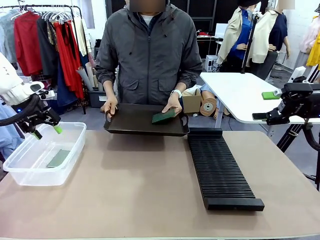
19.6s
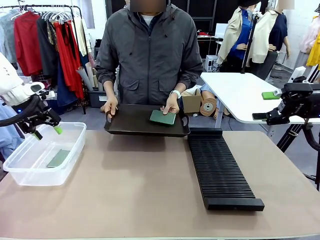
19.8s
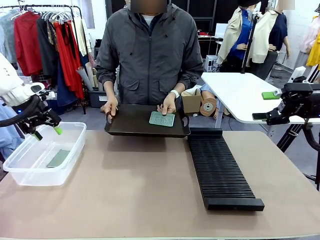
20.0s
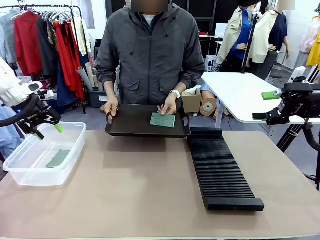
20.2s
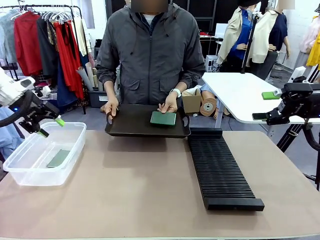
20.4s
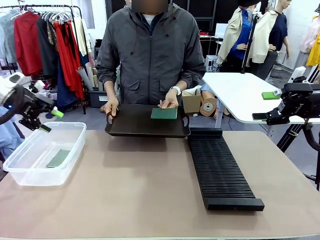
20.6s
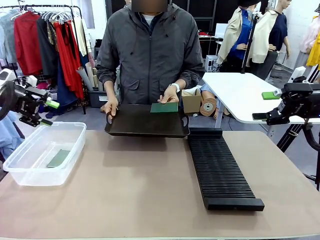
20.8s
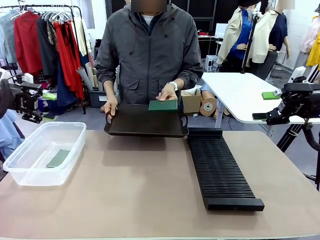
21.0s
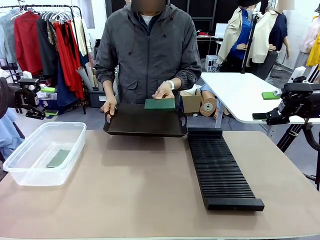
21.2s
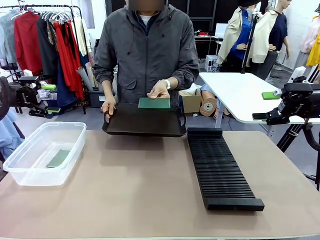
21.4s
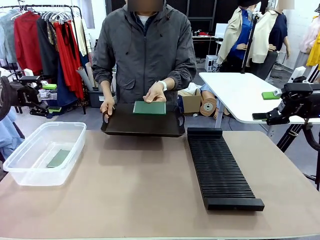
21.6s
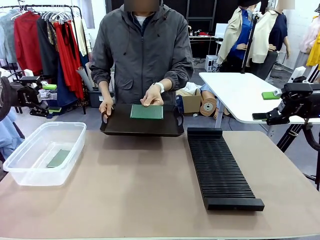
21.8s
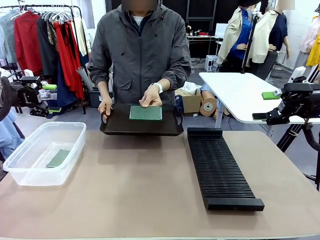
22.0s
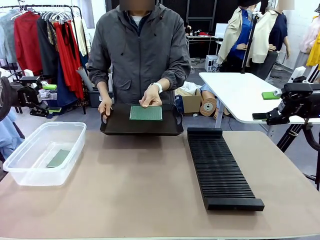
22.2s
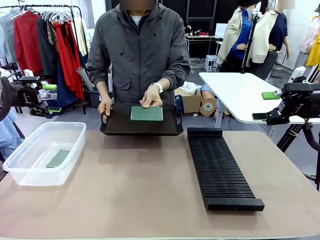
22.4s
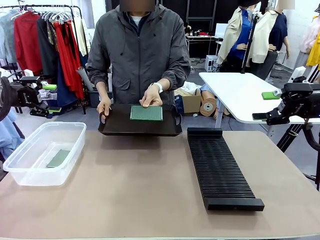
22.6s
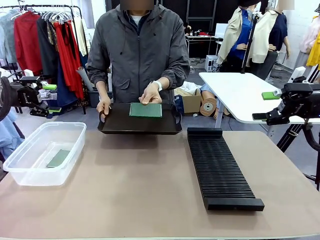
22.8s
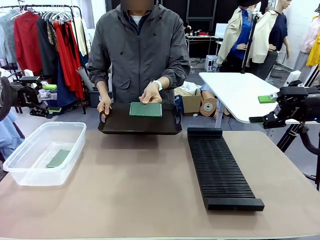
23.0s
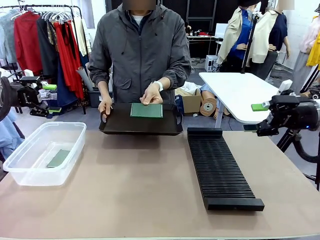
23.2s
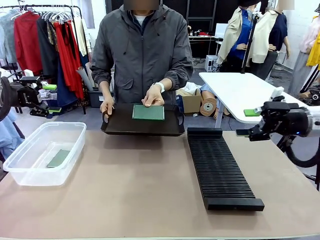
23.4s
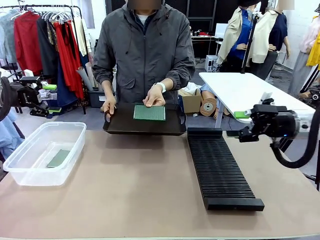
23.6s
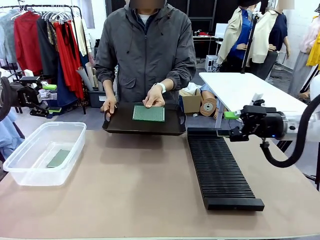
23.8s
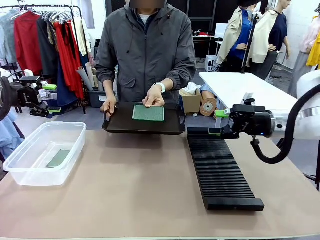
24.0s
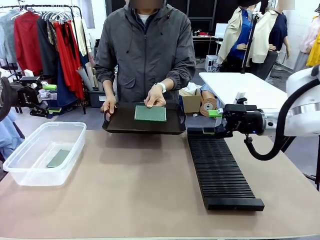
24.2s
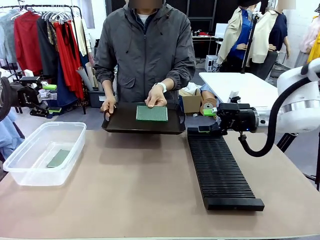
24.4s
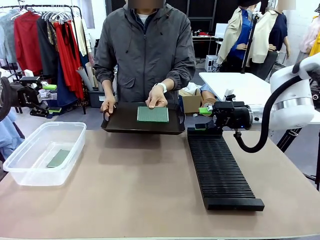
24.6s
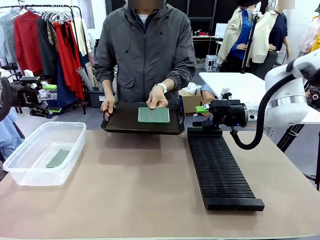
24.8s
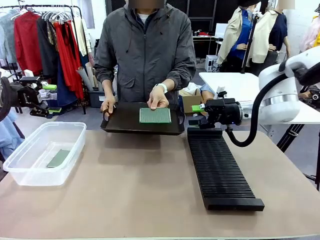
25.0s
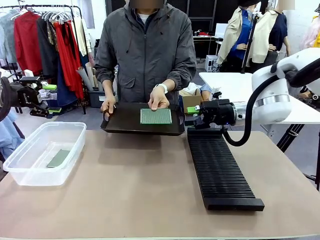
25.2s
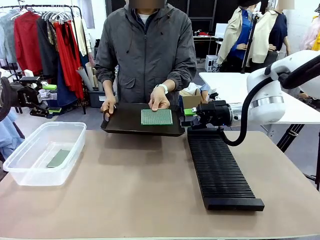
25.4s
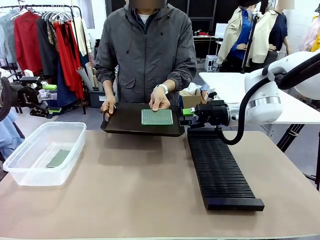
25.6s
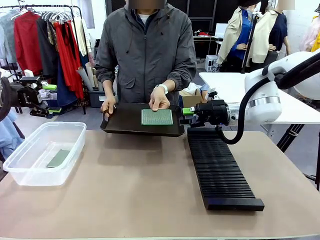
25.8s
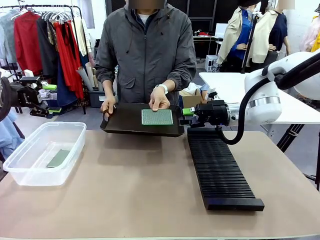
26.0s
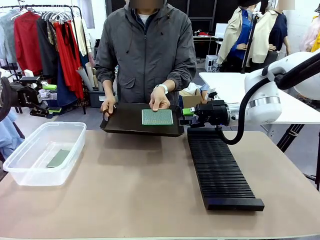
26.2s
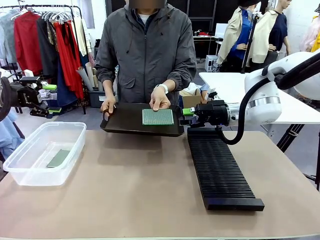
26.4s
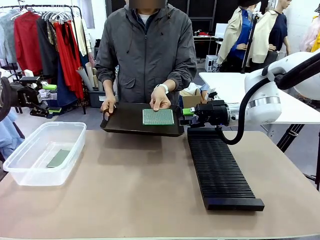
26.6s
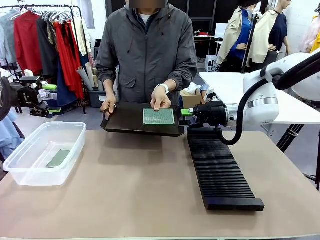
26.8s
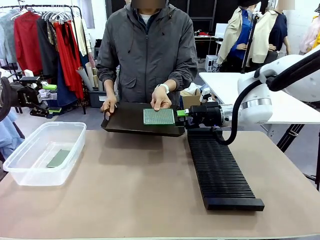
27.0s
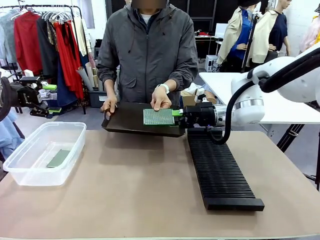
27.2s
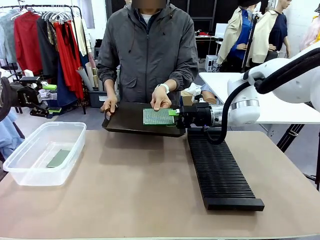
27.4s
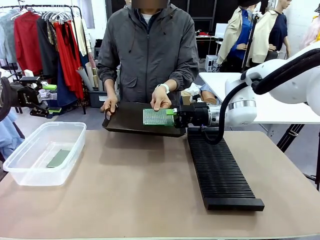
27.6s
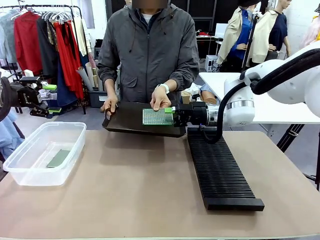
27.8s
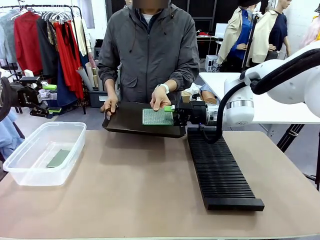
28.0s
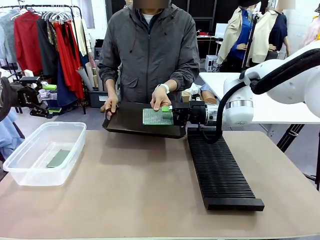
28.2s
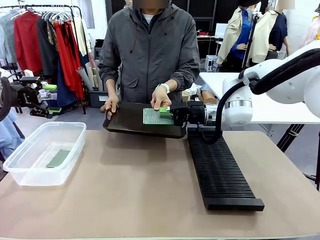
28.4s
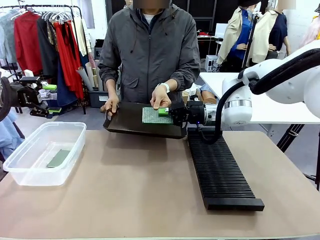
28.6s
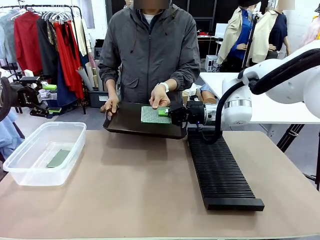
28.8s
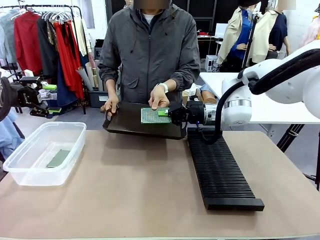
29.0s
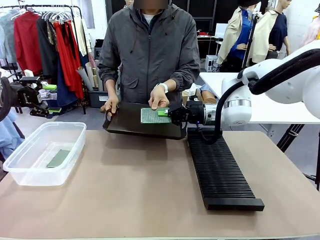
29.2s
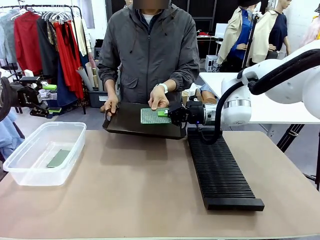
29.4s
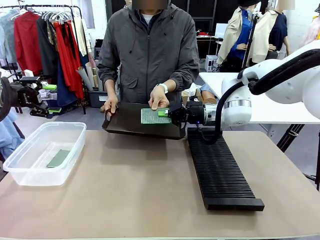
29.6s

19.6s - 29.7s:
Task: Sort PCBs into racks and boxes based on the side picked up.
Robot: Pick up the Blank PCB handed by the Human.

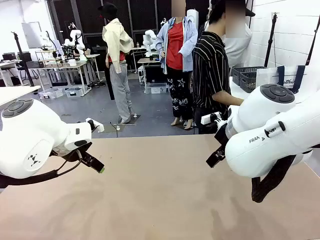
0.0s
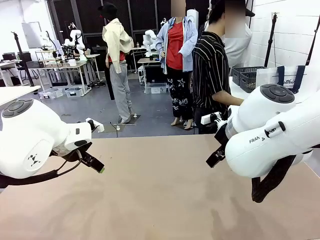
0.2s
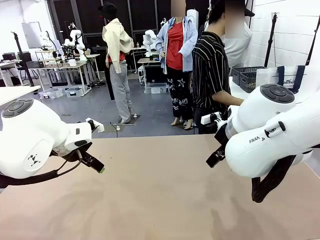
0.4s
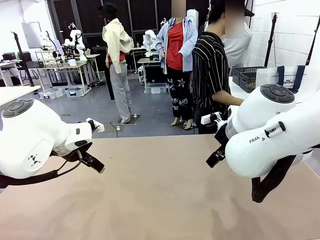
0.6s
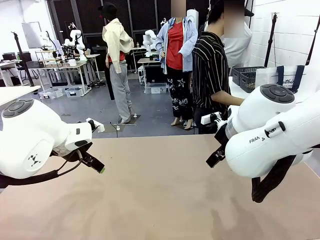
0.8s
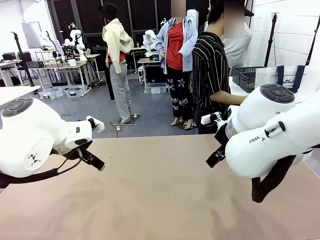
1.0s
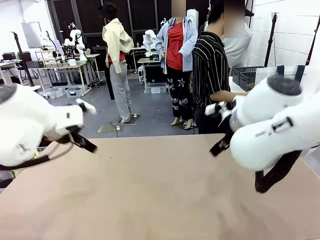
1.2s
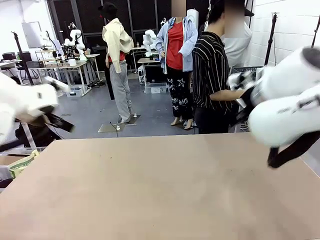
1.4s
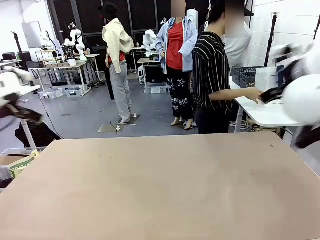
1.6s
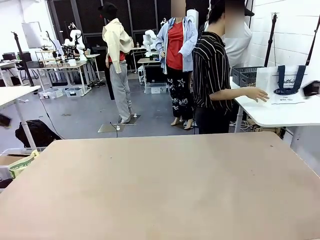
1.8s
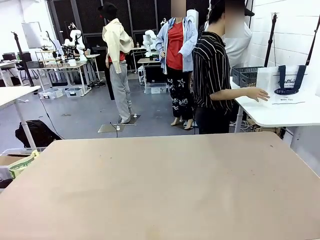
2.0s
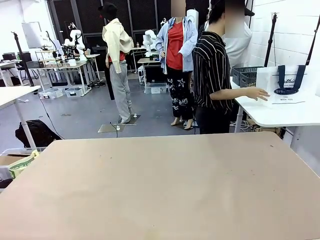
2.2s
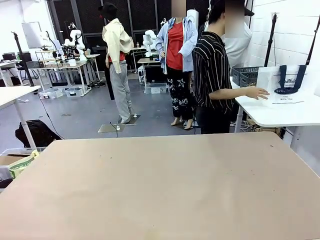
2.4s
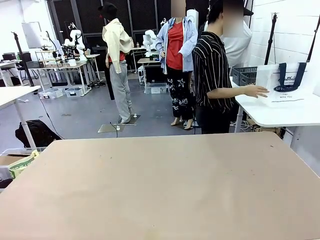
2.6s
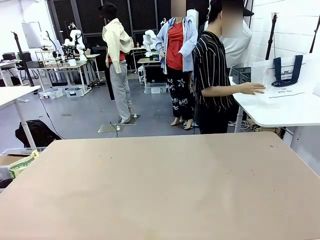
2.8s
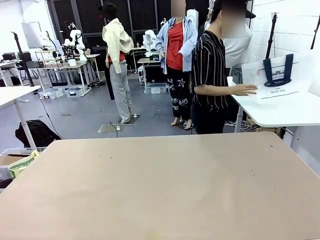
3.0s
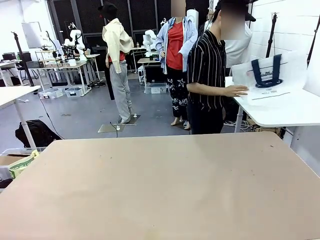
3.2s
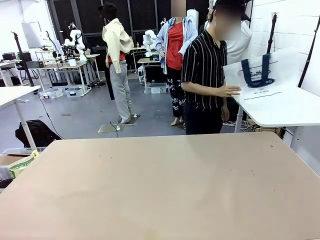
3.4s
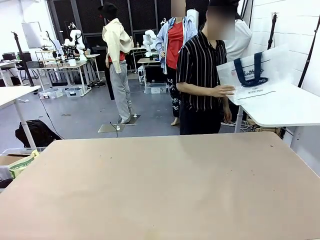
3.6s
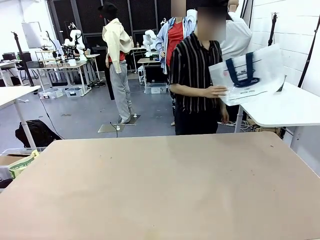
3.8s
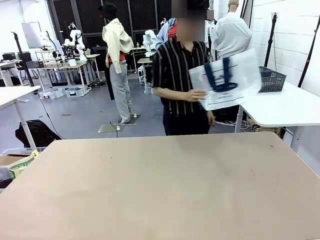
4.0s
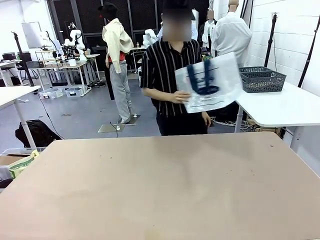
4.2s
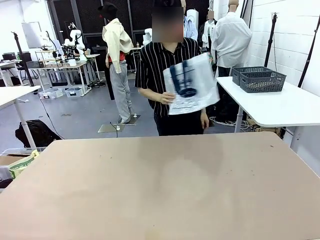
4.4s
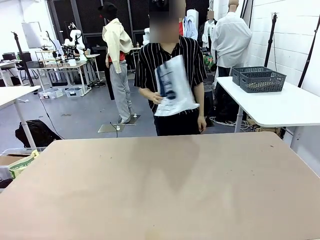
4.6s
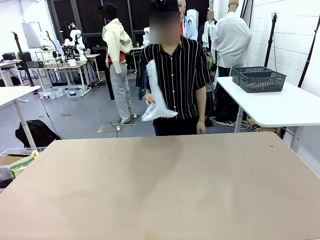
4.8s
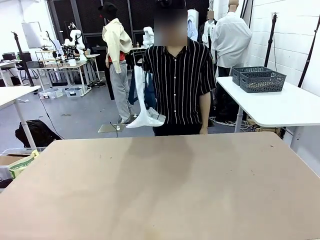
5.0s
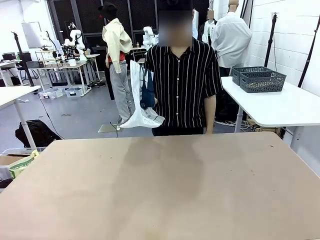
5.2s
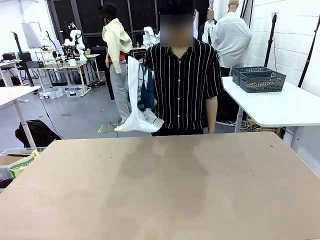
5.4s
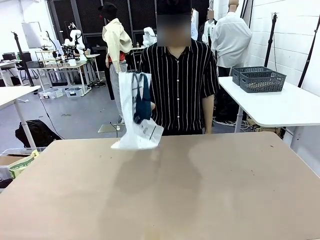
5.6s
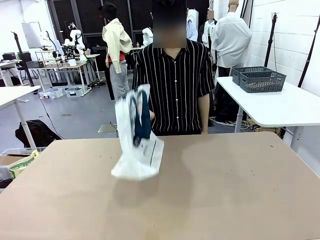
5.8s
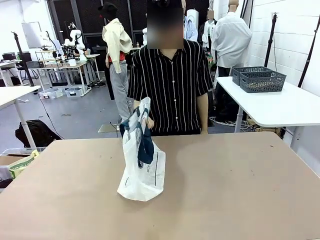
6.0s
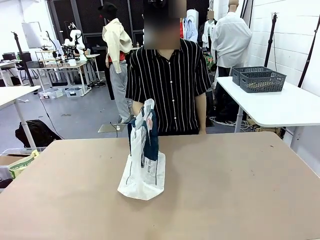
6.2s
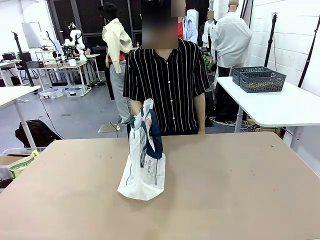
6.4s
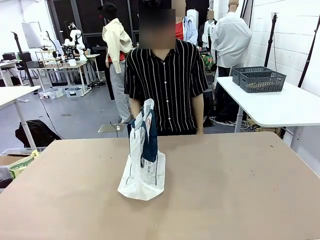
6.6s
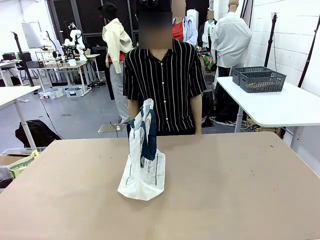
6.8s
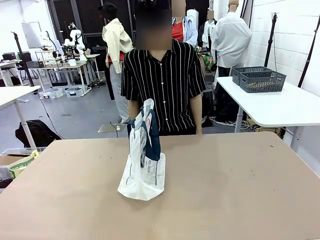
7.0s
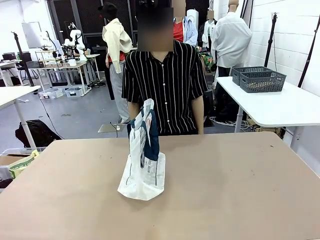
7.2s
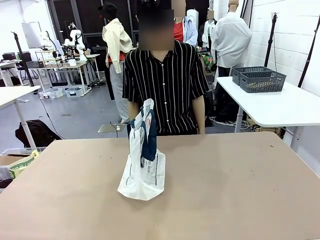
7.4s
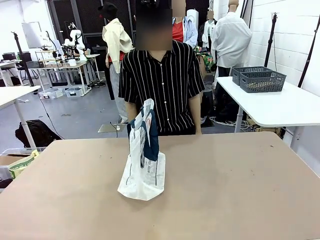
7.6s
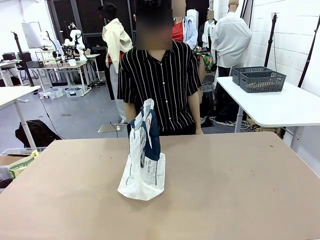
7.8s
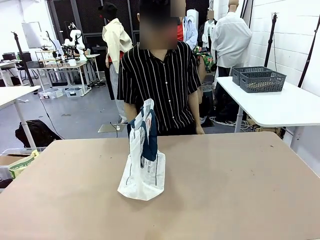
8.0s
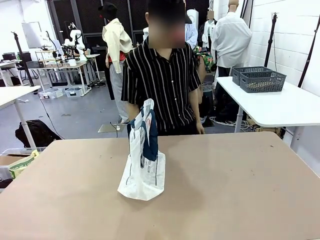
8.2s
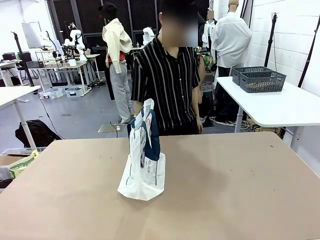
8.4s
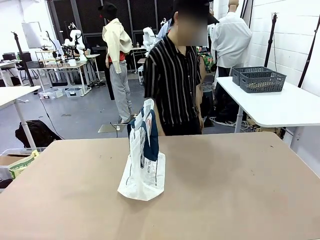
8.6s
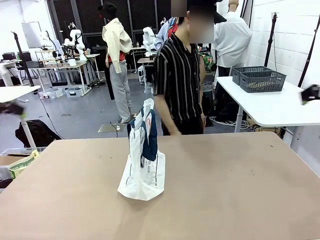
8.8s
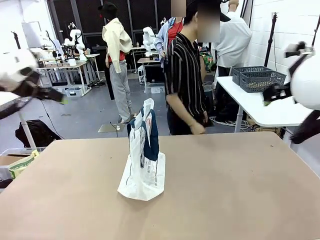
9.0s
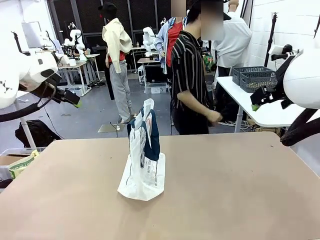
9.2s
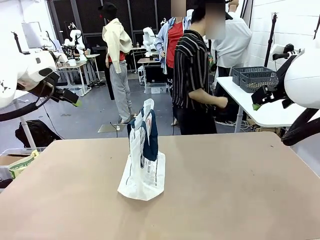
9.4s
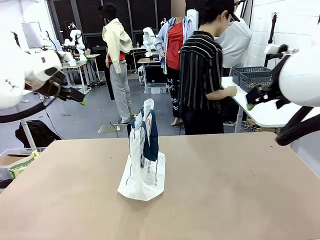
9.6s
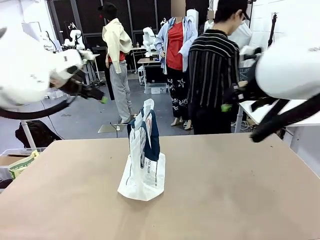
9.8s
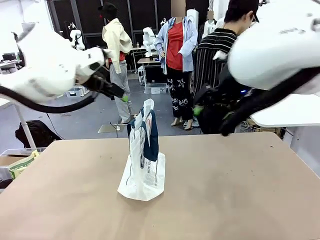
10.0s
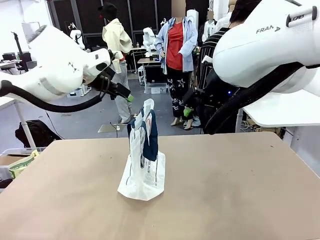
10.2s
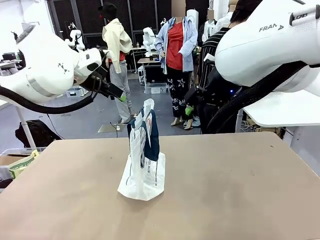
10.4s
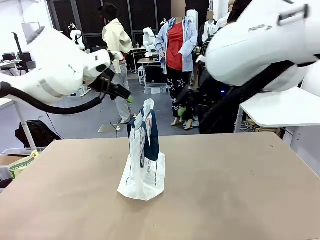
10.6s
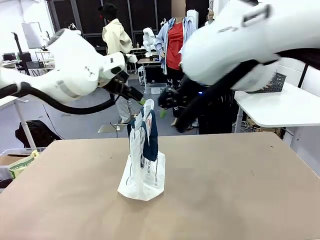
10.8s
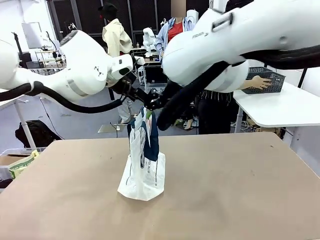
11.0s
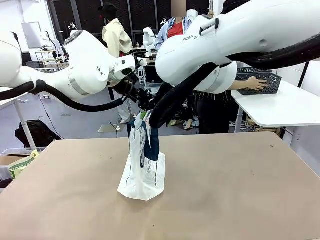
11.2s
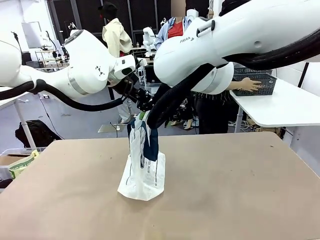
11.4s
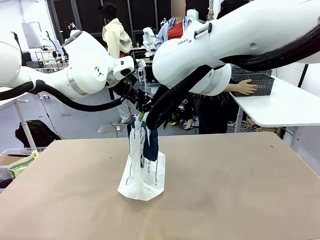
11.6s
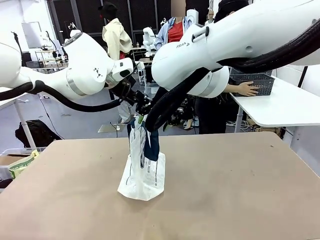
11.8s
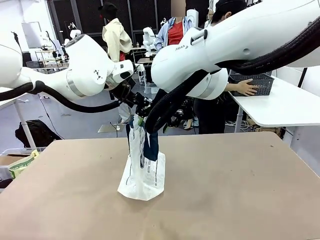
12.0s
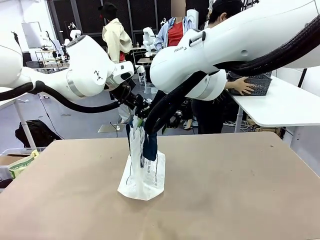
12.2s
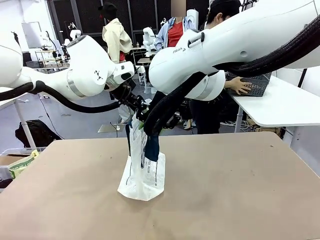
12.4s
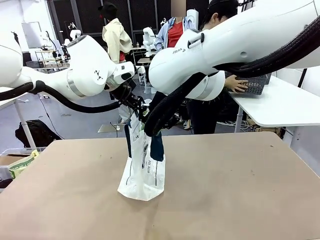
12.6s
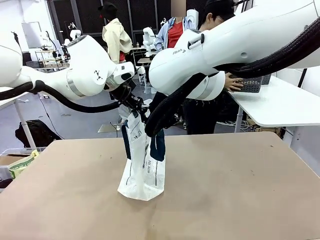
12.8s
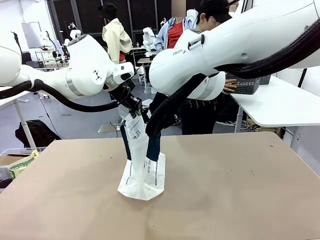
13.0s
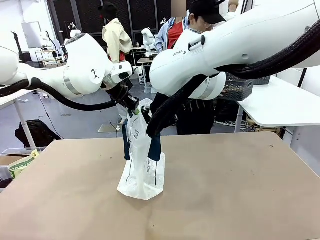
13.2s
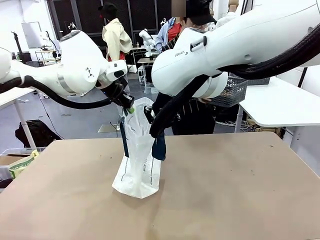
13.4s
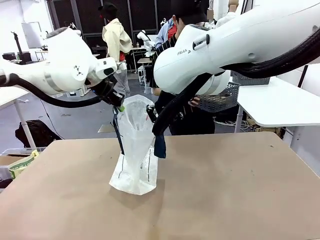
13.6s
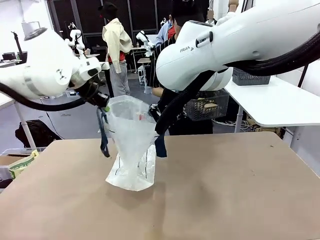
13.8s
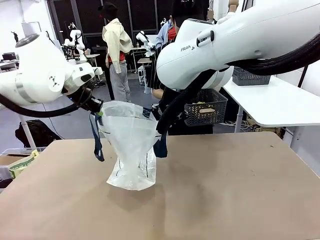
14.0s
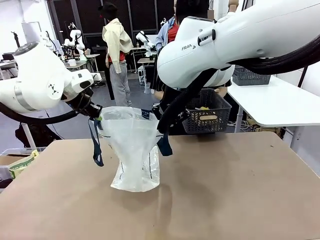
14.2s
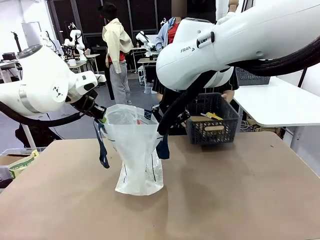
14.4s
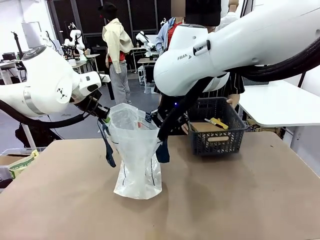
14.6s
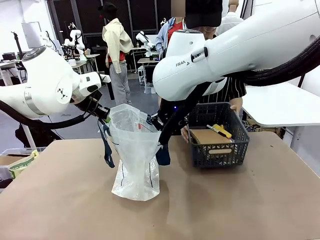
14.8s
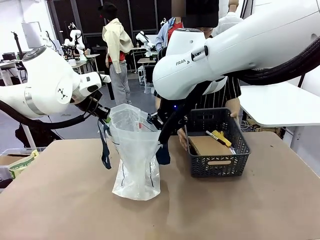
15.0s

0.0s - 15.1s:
Task: Transfer purchased items from the store into the shopping bag.
Robot: Open the Reusable shopping bag in the center of the table.
Person: Pick up the shopping bag and place it in the middle of the robot table. Pick up the basket on the right, place it on the left side of the robot table, and move the items in the basket to the shopping bag.
